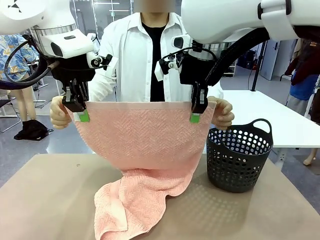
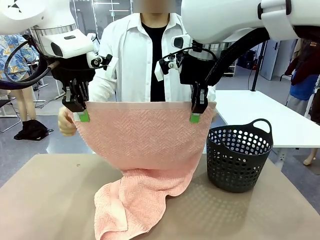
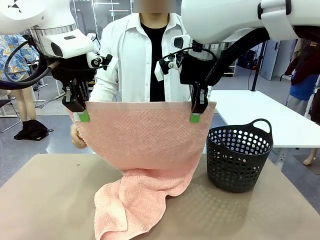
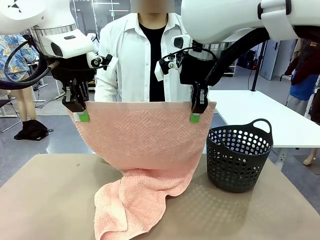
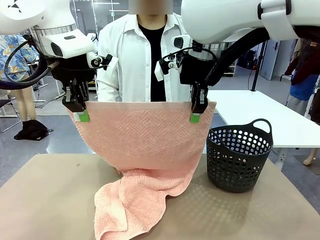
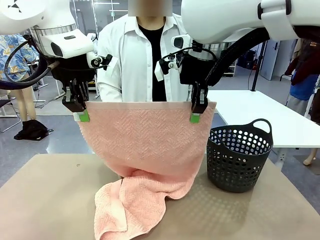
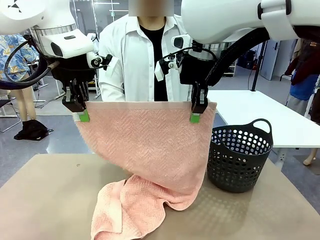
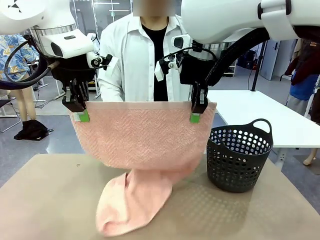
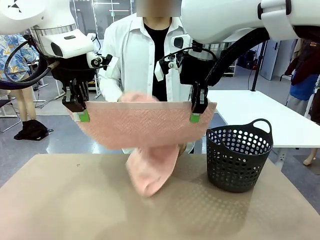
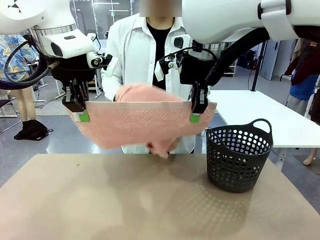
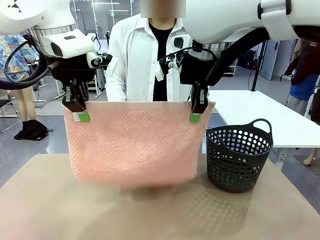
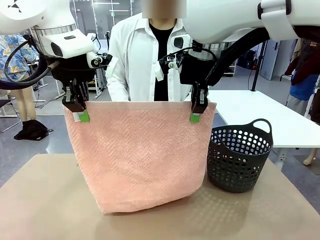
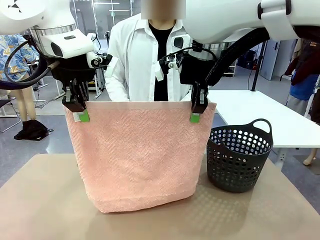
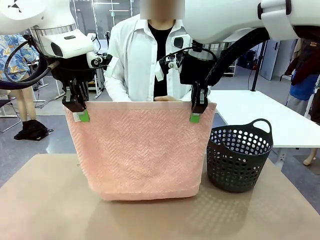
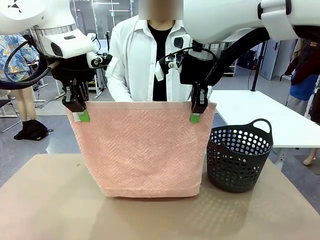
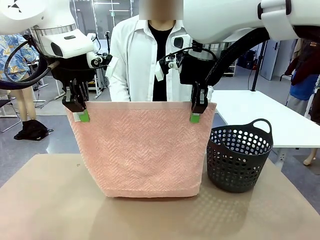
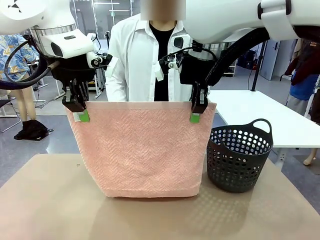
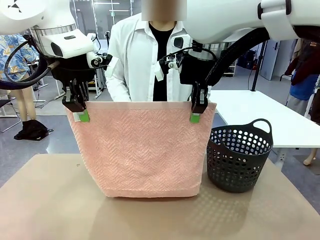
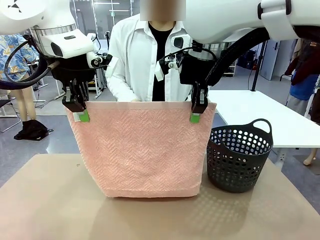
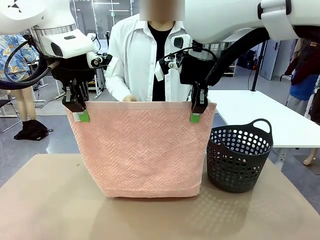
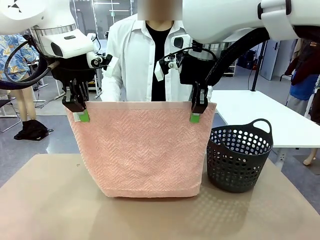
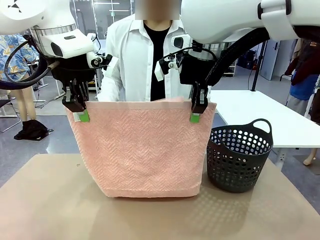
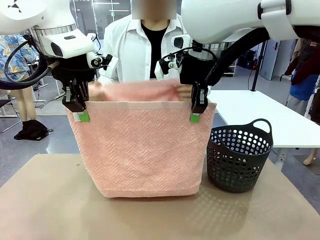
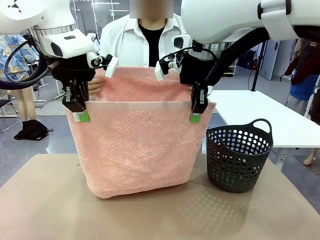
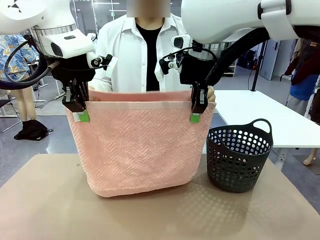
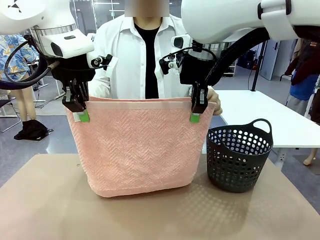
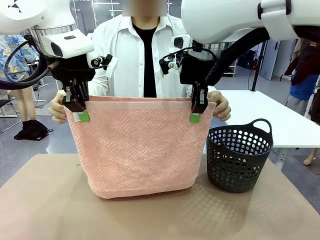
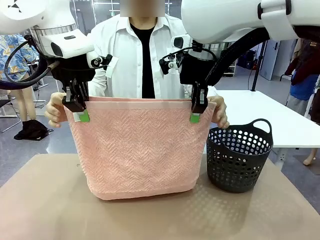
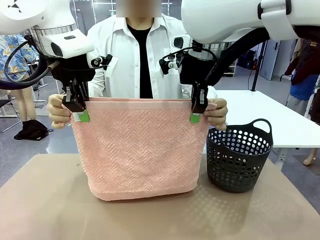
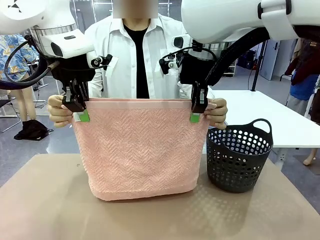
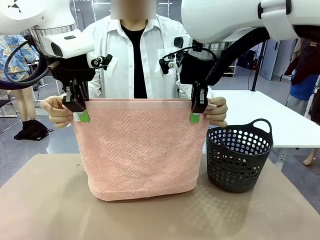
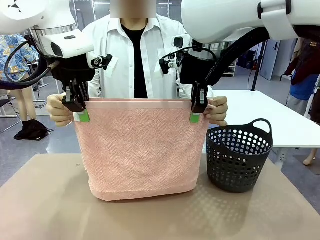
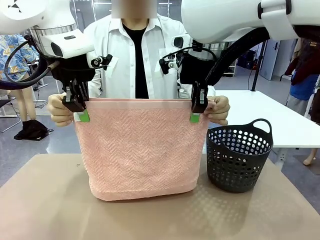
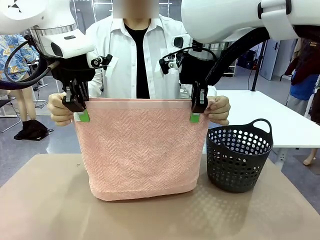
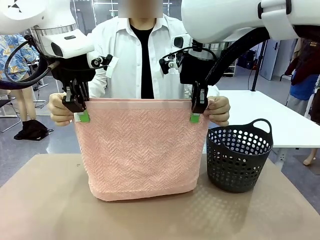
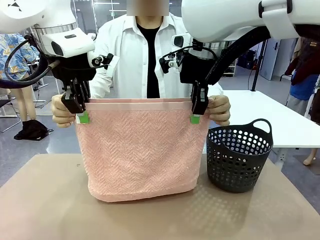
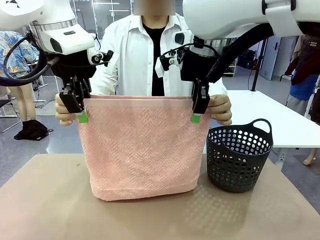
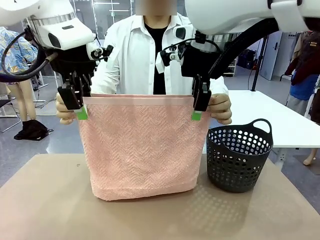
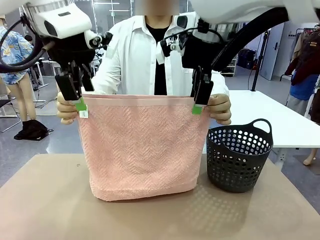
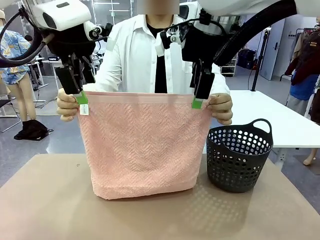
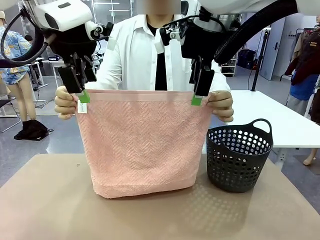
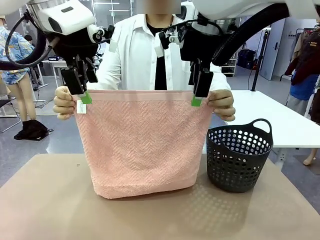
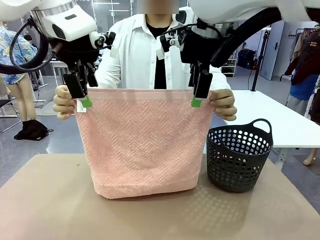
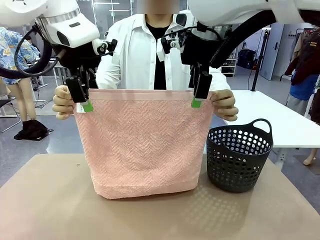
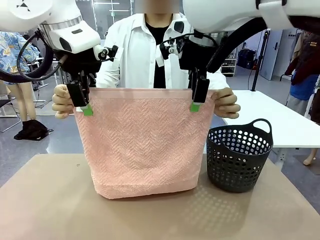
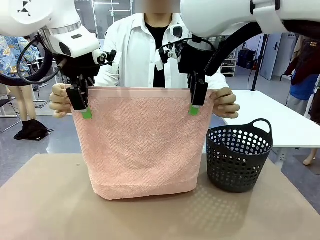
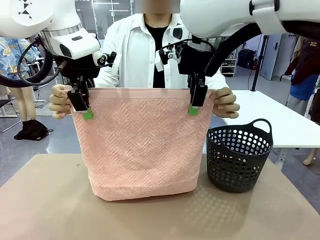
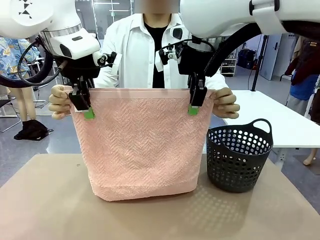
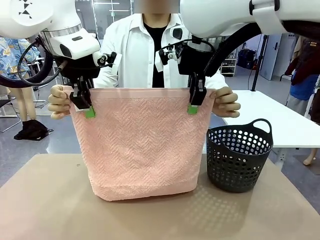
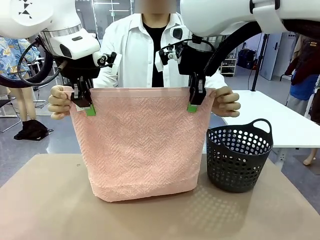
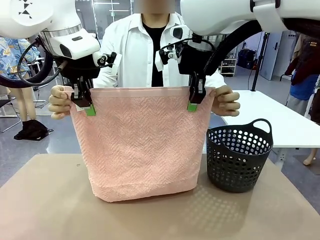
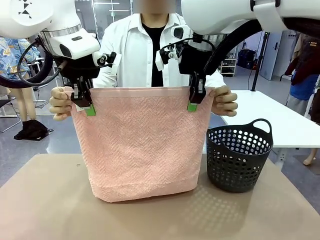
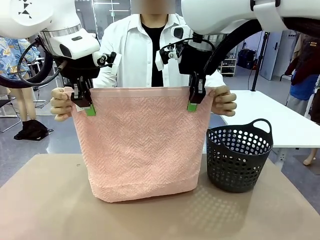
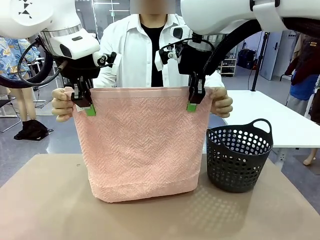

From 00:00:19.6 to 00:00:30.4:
Task: Fold the towel.
Robot: Release the end of the 100 cm Hotel Towel you were holding and grab the top end of the folded side.

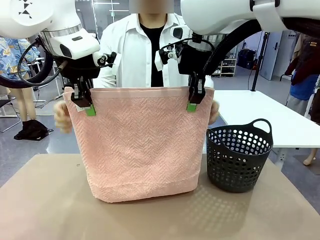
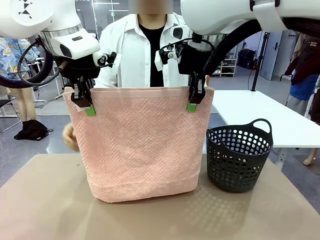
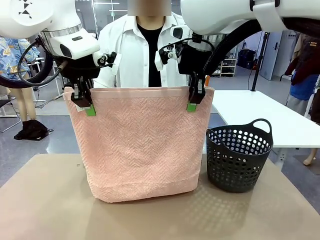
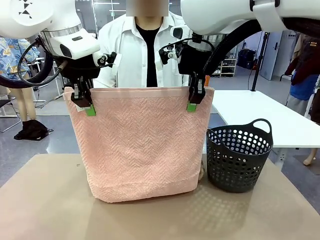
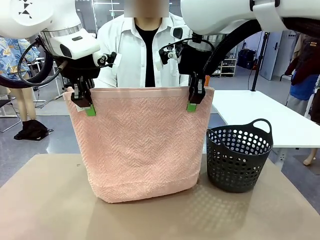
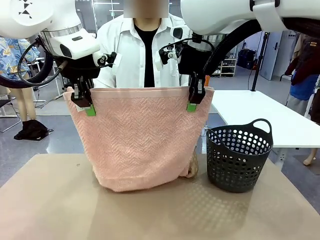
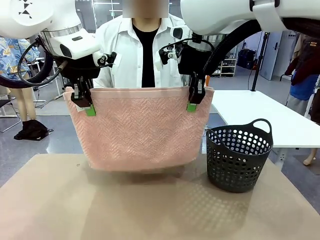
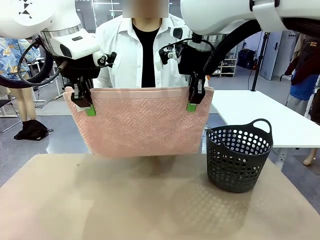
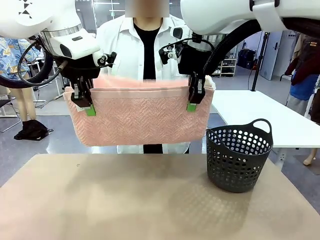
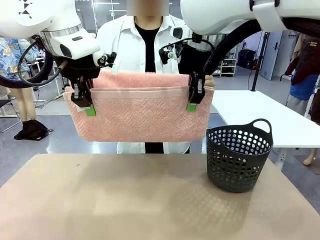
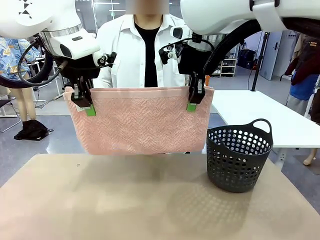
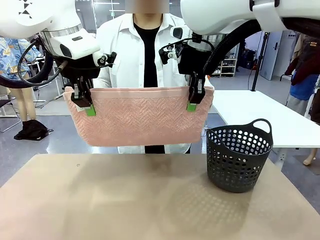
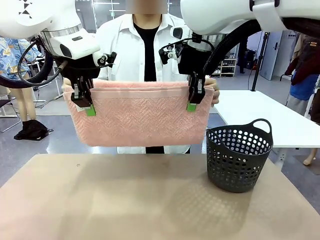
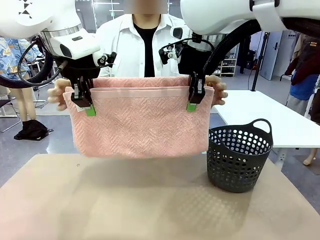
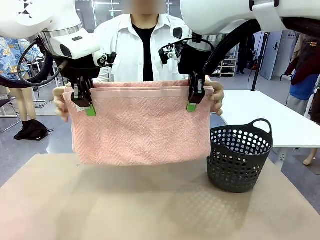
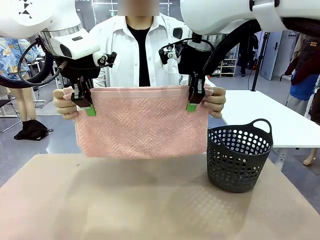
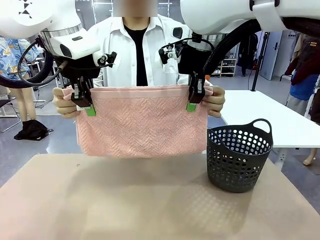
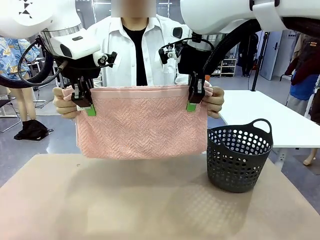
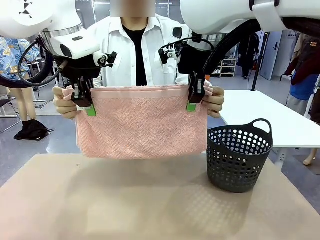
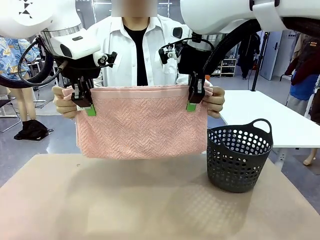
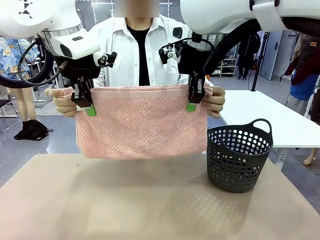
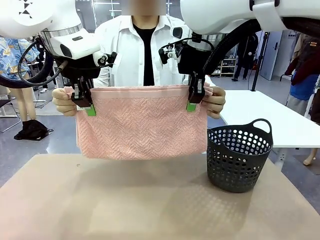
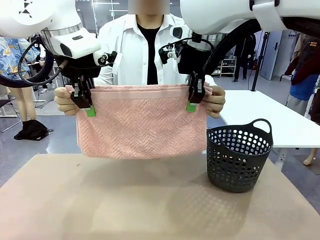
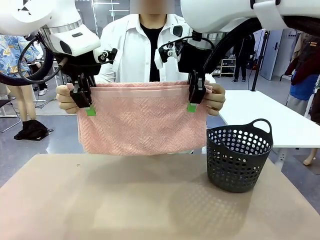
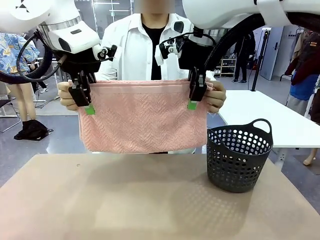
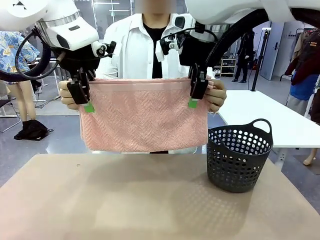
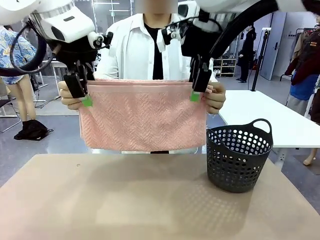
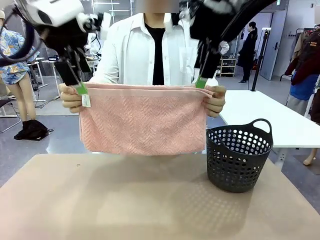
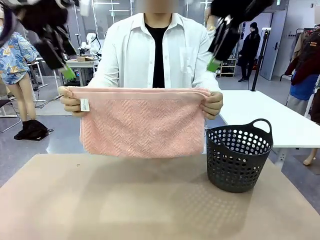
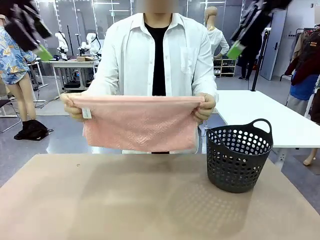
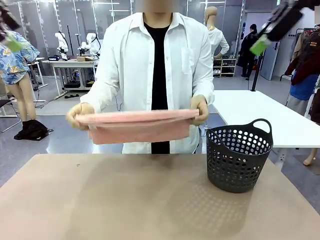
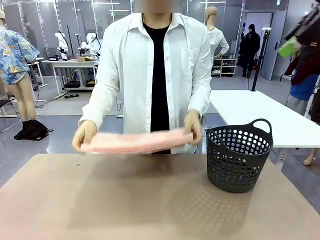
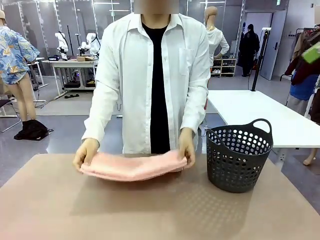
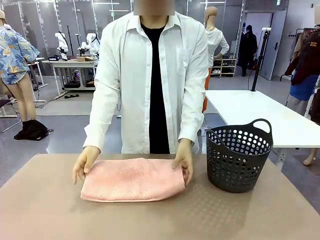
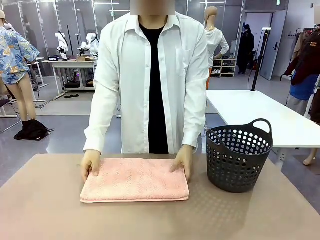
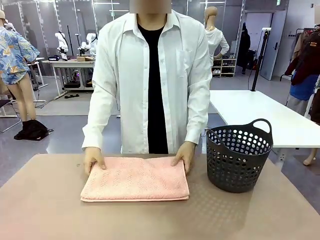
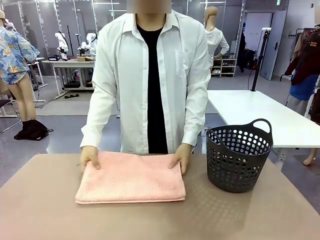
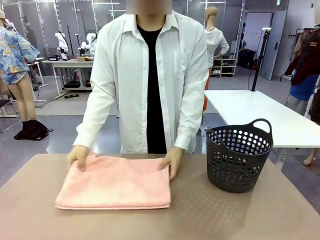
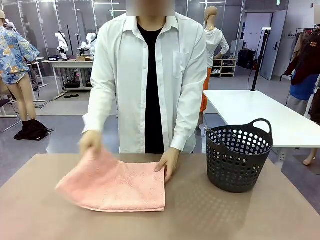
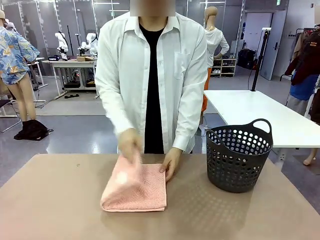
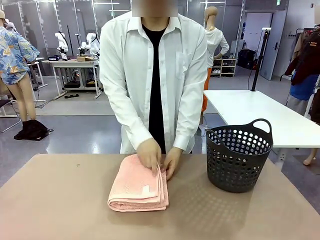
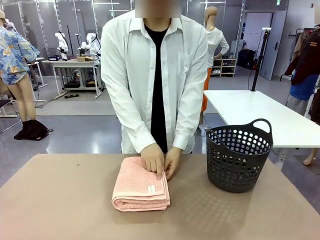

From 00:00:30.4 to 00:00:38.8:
Robot: Release the end of the 100 cm Hotel Towel you were holding.
Person: Place the towel at the center of the robot table and fold it in half.
